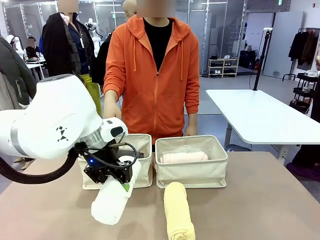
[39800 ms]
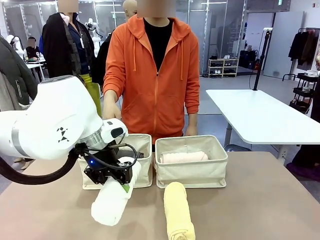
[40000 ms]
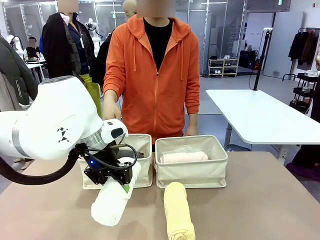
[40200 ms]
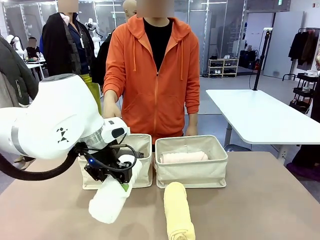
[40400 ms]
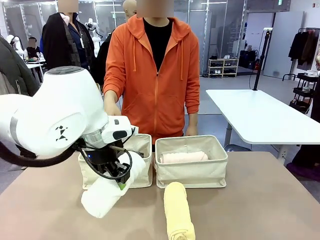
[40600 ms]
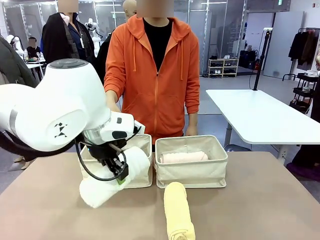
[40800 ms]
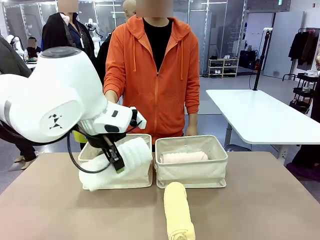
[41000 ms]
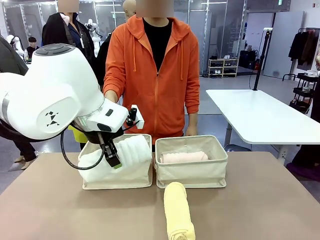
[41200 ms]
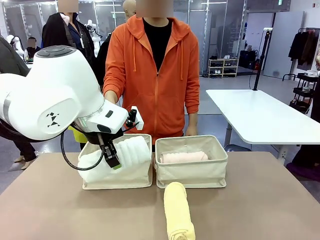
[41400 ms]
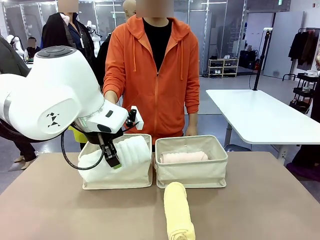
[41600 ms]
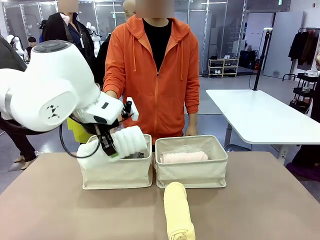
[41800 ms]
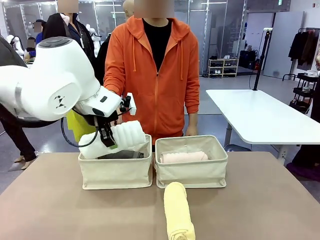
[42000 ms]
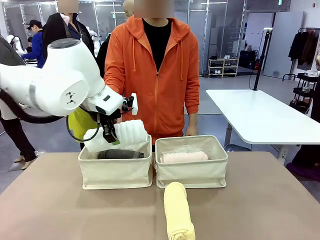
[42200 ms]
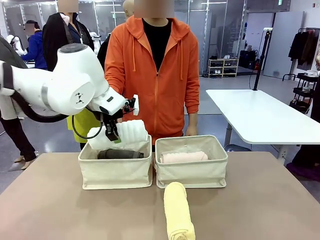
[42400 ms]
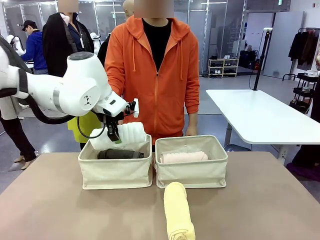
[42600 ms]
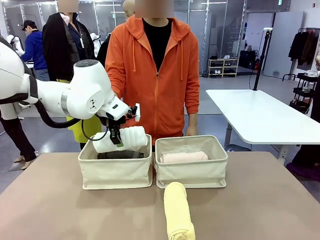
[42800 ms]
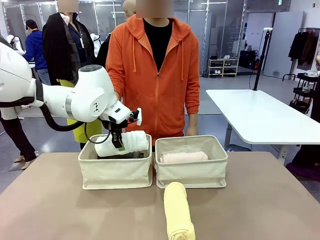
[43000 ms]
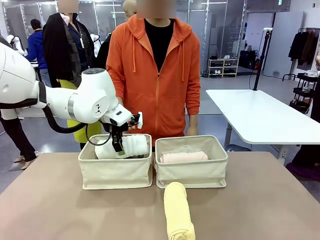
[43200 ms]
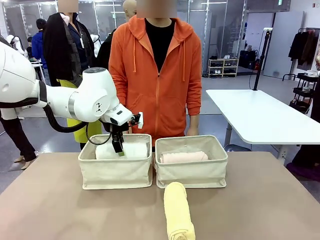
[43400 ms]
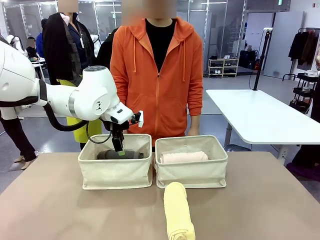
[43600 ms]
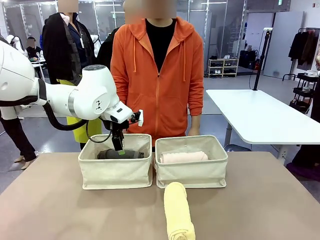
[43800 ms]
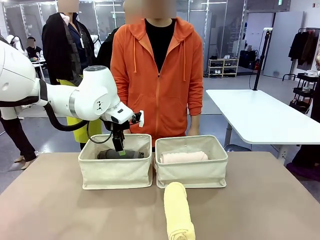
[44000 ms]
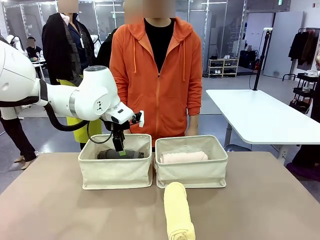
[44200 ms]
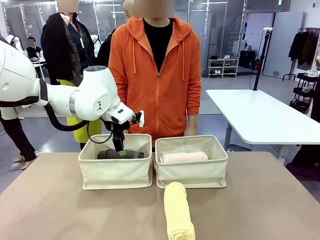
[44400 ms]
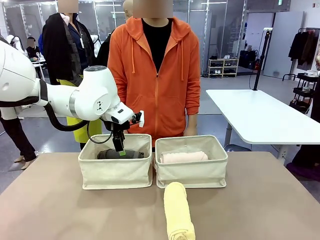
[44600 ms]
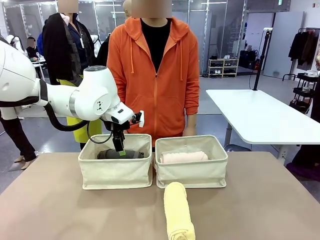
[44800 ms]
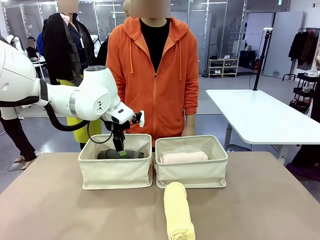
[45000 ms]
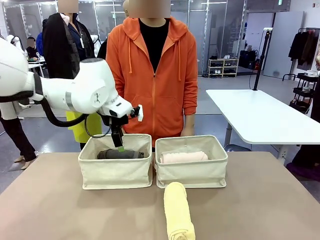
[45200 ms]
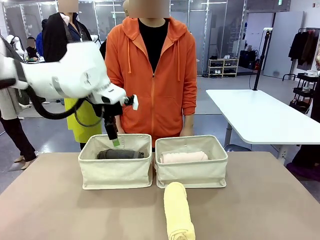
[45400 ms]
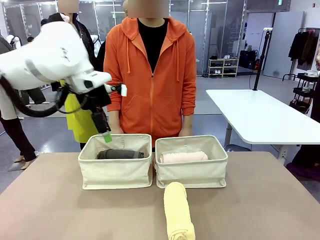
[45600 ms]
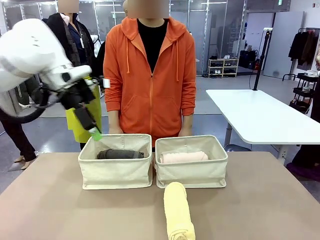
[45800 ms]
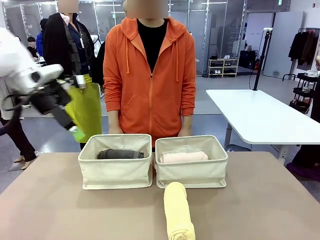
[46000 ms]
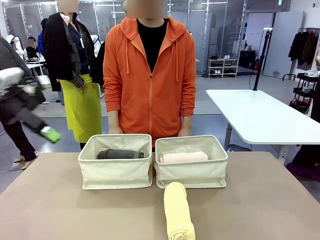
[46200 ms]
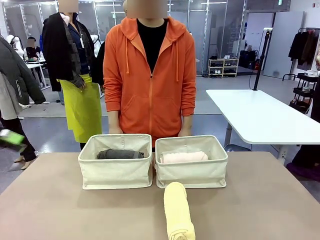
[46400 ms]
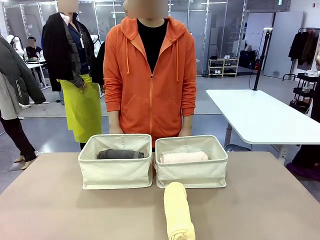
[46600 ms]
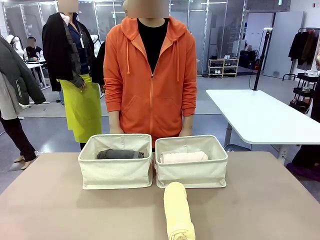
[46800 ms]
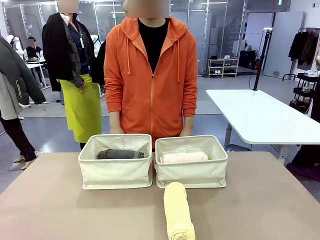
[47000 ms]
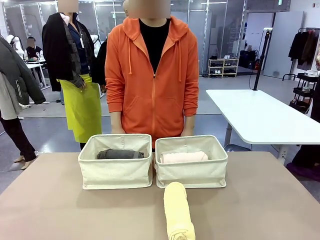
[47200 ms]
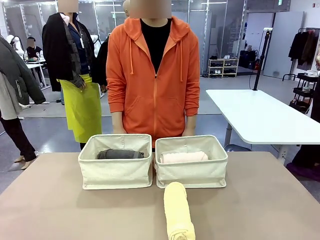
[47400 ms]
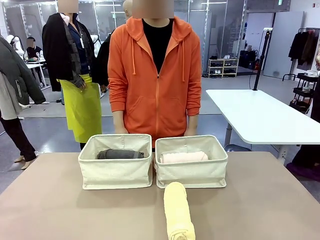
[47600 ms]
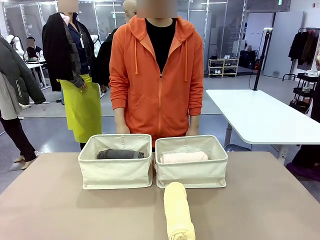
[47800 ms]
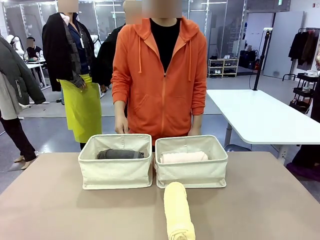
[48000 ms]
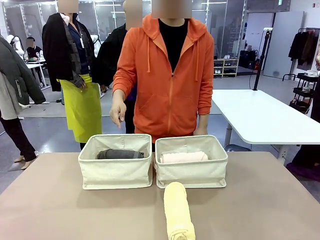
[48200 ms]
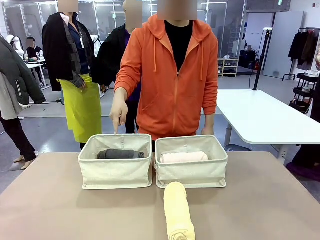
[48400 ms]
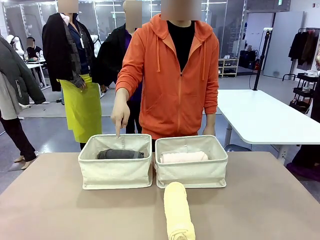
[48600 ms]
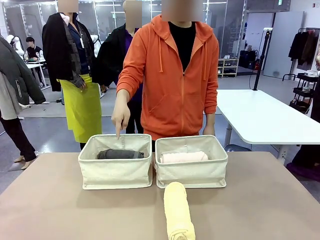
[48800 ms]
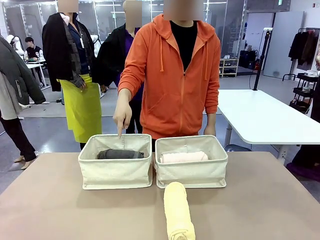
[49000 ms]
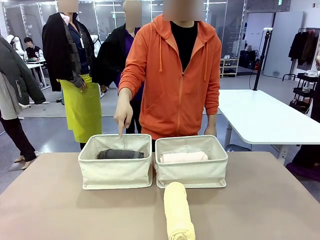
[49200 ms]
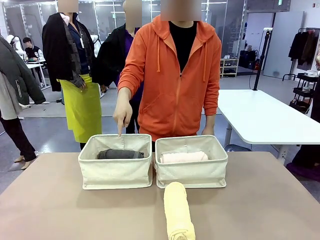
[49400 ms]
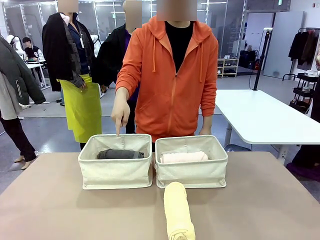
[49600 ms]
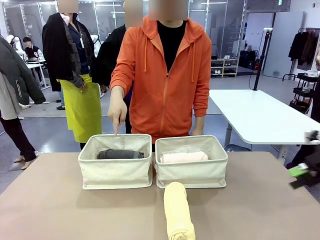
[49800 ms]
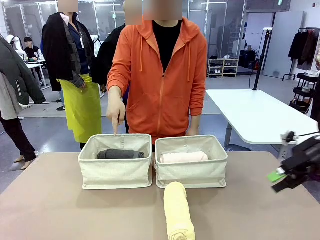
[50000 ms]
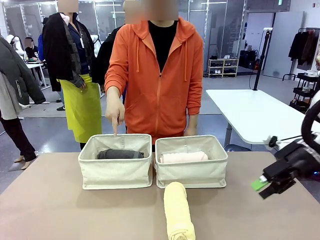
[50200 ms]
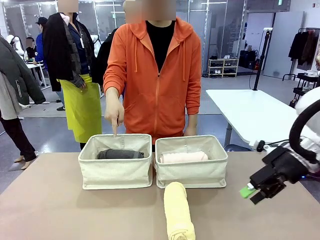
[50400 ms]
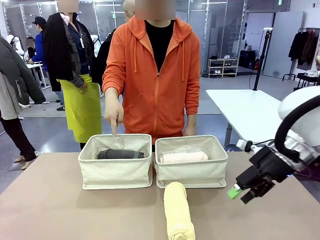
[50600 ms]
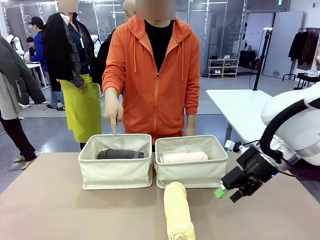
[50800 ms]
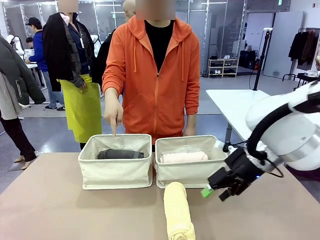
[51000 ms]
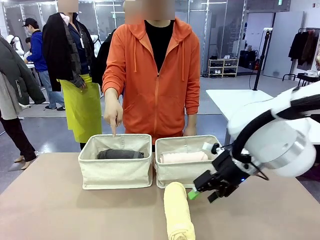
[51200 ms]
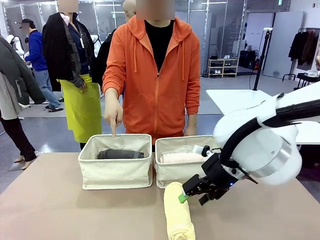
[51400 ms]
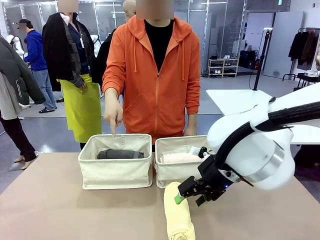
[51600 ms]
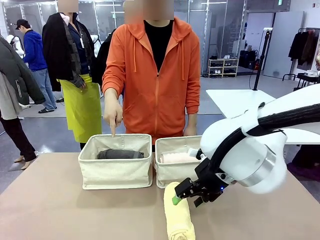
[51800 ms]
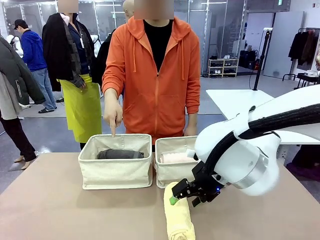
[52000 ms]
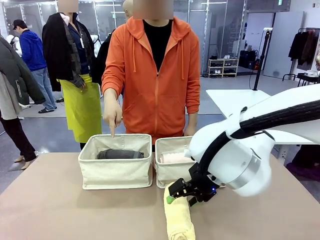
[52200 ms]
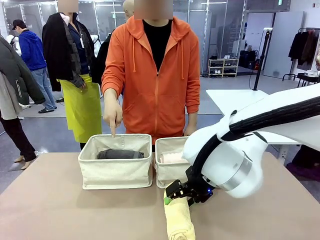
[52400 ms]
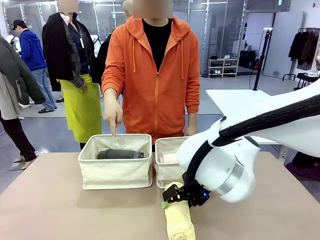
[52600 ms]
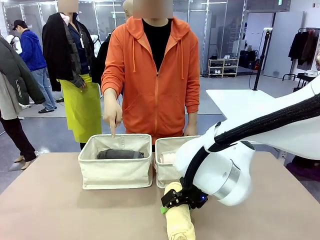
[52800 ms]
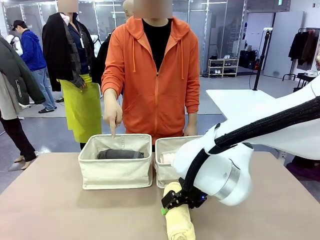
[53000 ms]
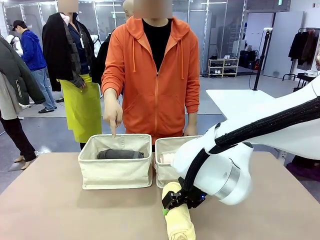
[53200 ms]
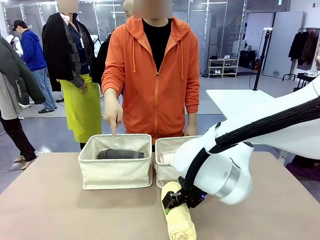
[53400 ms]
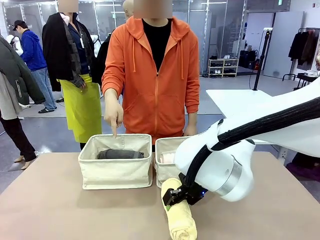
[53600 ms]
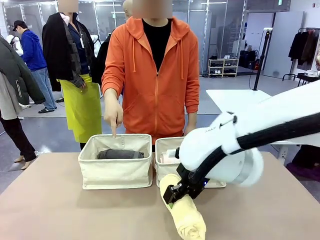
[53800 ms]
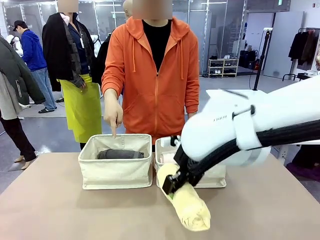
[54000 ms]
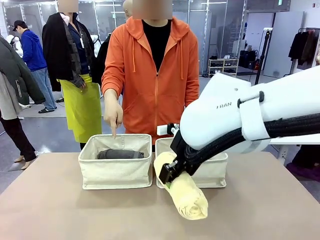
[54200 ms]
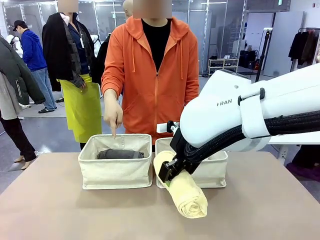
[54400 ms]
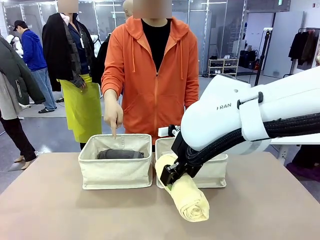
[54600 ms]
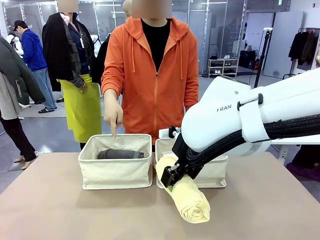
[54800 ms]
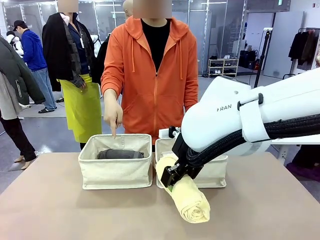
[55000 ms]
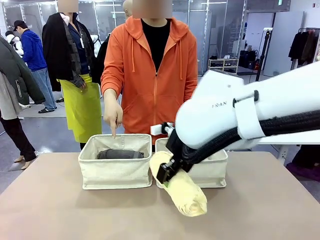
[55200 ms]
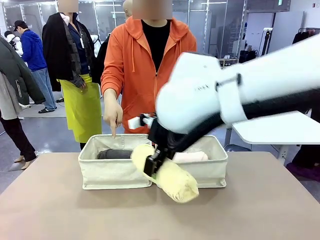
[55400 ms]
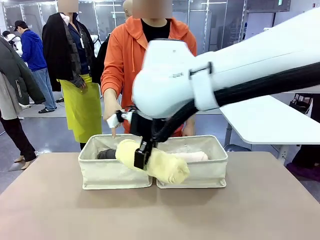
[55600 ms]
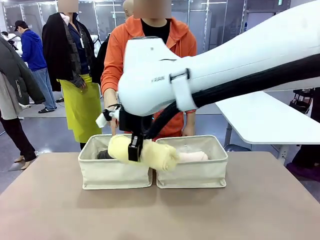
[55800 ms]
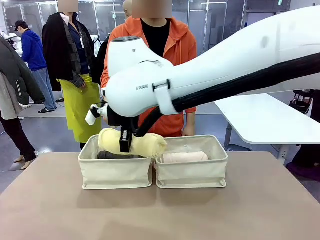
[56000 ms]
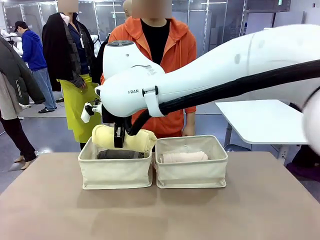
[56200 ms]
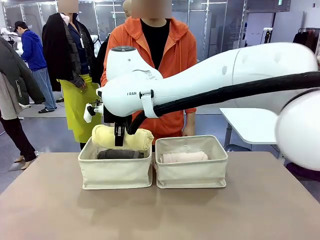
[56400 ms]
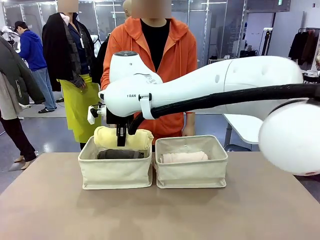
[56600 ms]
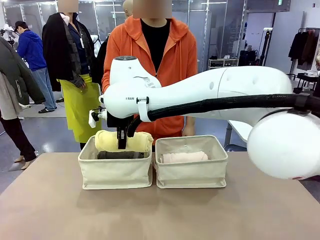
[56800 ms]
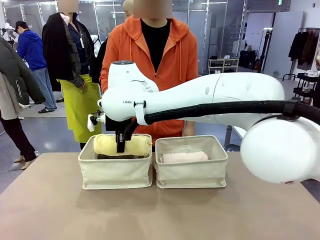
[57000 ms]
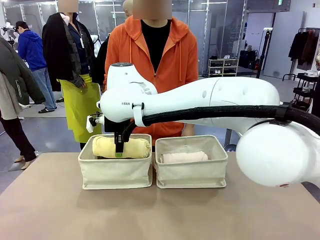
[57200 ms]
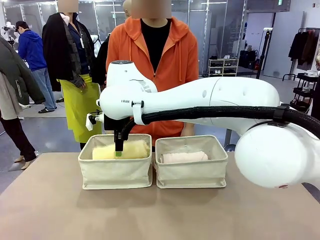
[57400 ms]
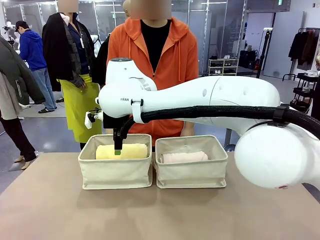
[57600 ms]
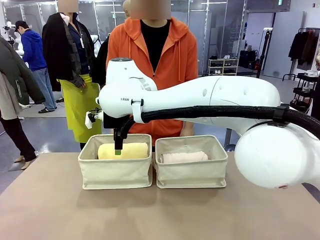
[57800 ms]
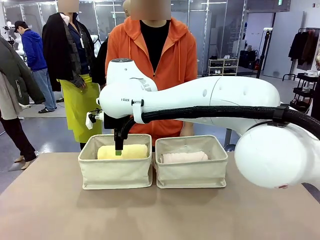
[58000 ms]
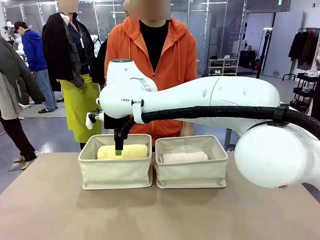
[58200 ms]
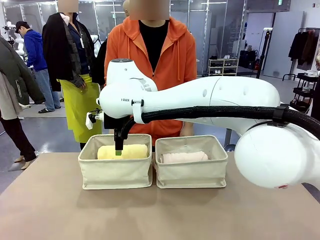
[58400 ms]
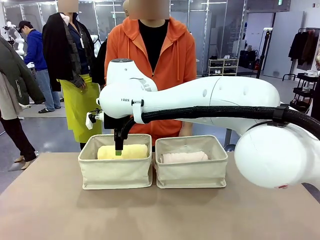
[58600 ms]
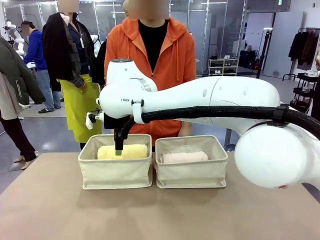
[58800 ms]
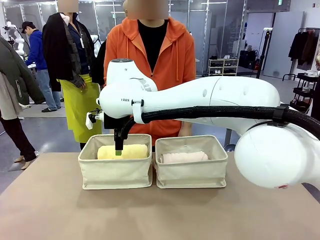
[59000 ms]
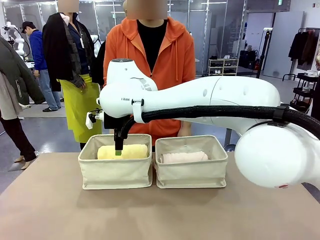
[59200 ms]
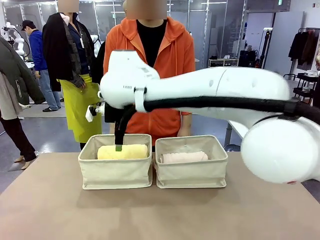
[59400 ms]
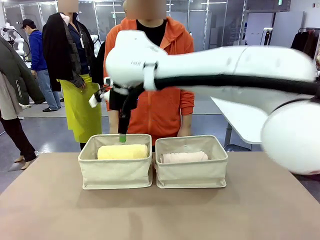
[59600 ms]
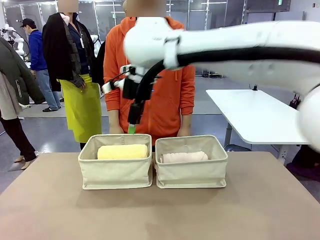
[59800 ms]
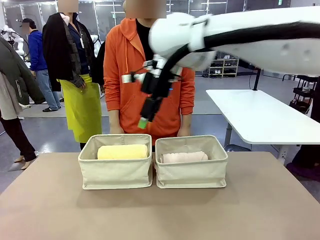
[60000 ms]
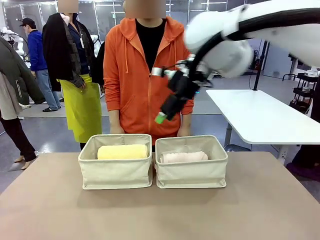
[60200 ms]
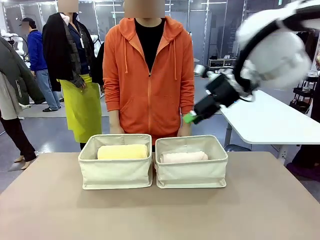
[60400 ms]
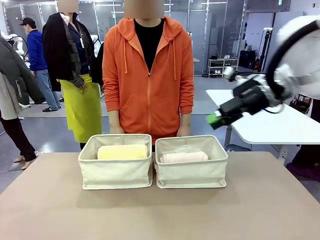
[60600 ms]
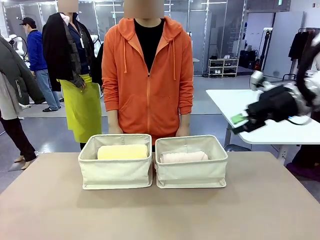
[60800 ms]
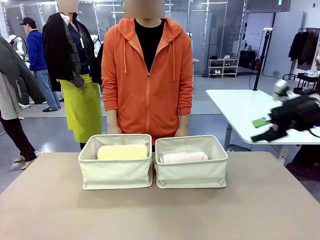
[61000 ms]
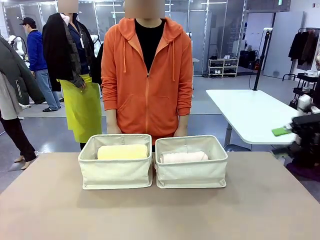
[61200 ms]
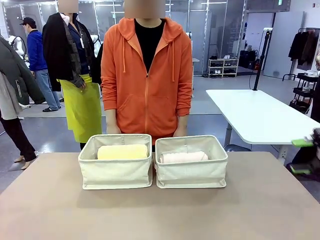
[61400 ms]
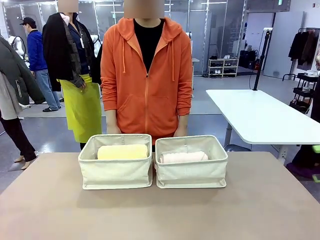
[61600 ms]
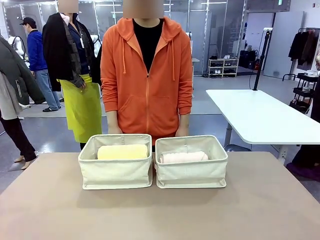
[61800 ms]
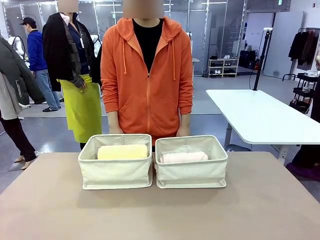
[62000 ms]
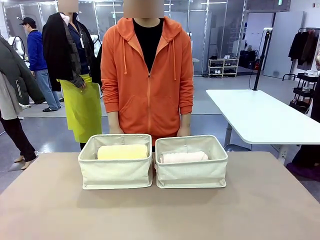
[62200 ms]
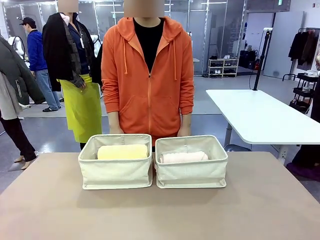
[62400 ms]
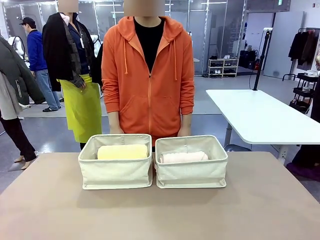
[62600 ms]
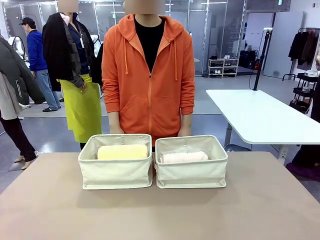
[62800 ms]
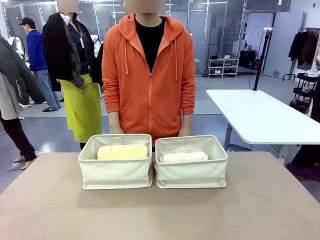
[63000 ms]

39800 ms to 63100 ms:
Task: Divide the towels into two baskets.
Robot: Pick up one hotel-folded towel from the bottom of the table and place it in the Fabric basket indicated by the person.
